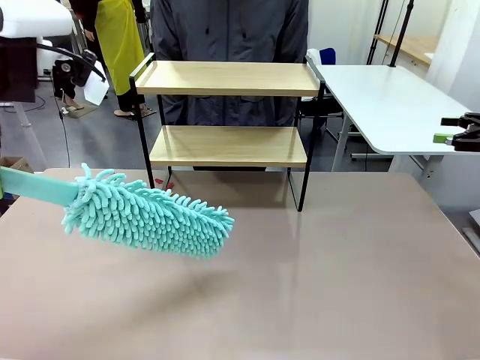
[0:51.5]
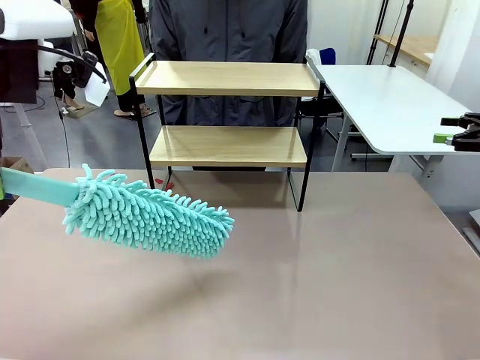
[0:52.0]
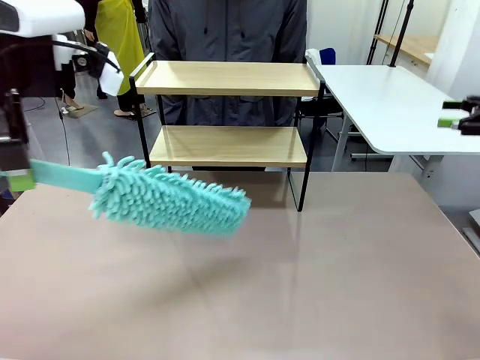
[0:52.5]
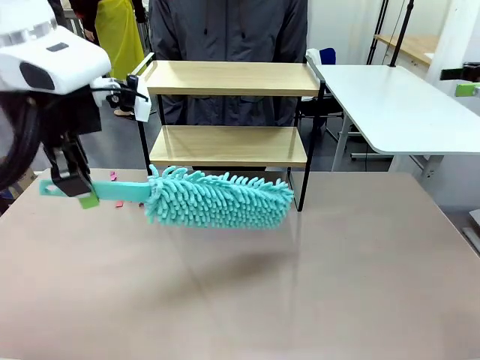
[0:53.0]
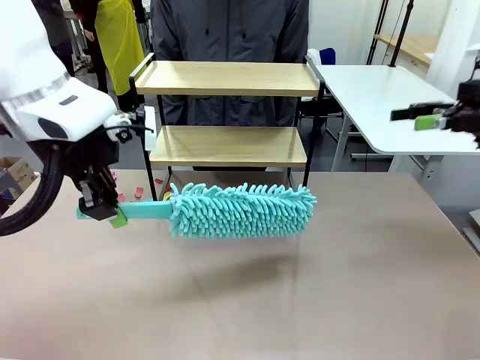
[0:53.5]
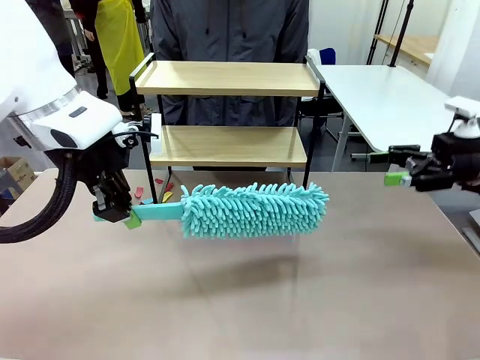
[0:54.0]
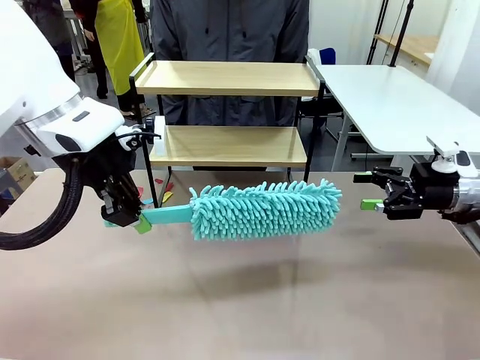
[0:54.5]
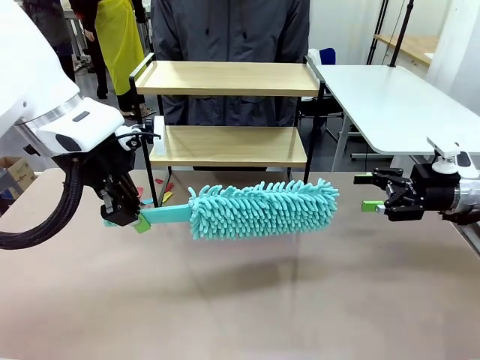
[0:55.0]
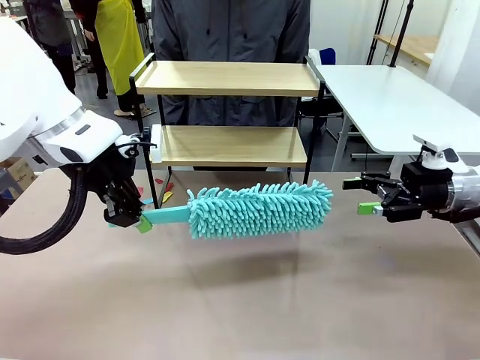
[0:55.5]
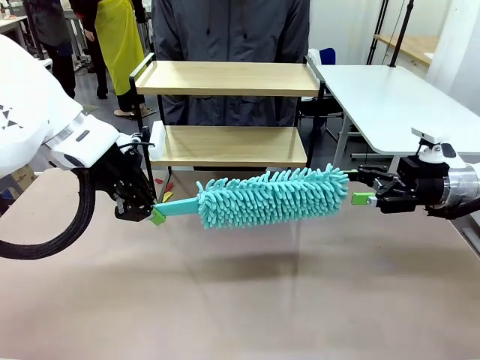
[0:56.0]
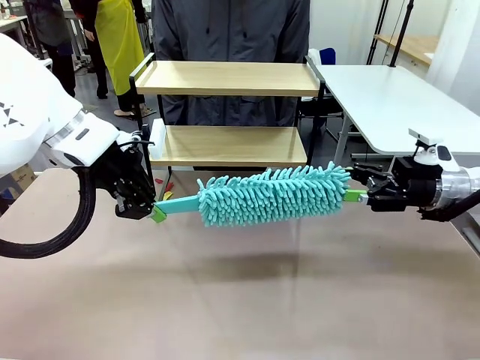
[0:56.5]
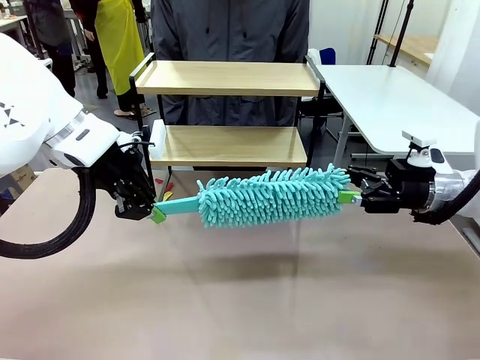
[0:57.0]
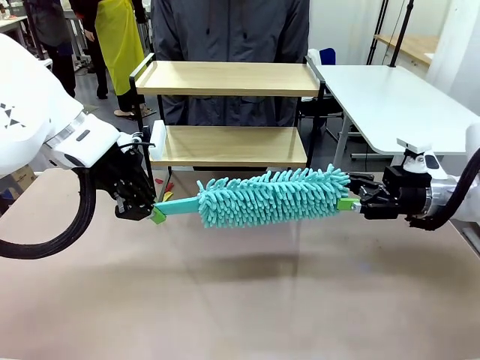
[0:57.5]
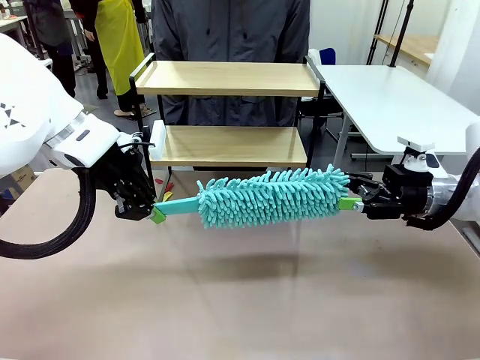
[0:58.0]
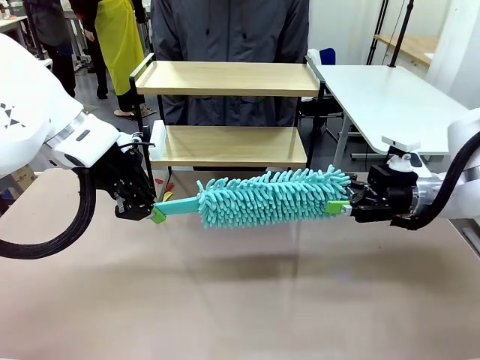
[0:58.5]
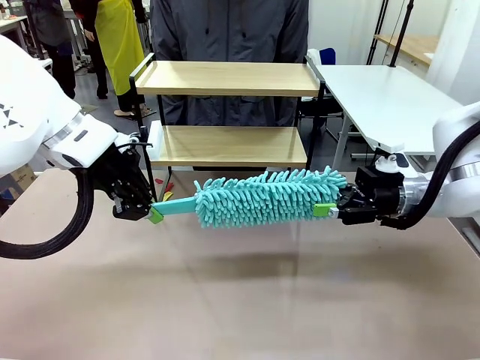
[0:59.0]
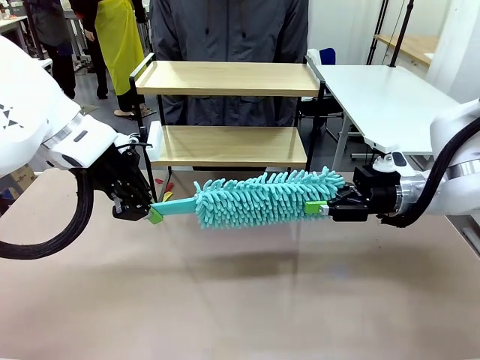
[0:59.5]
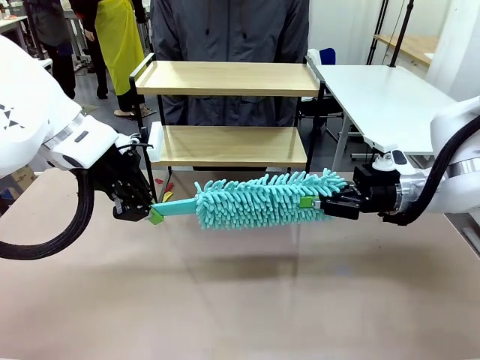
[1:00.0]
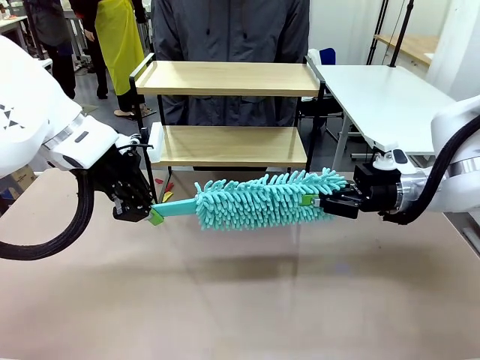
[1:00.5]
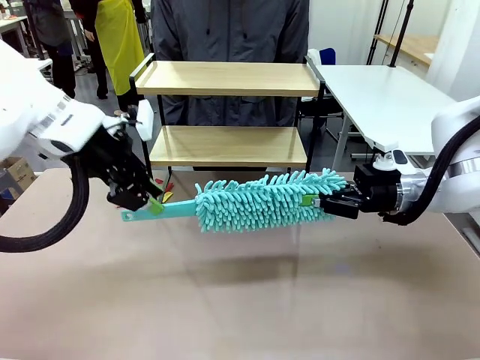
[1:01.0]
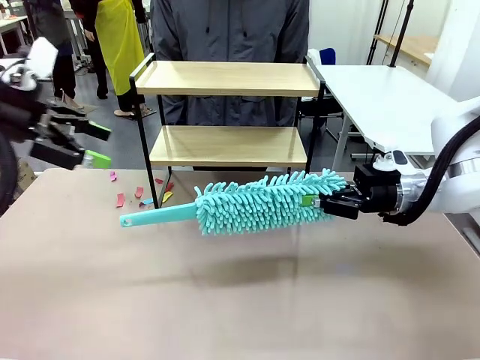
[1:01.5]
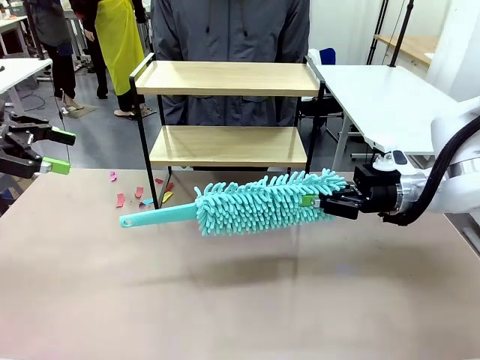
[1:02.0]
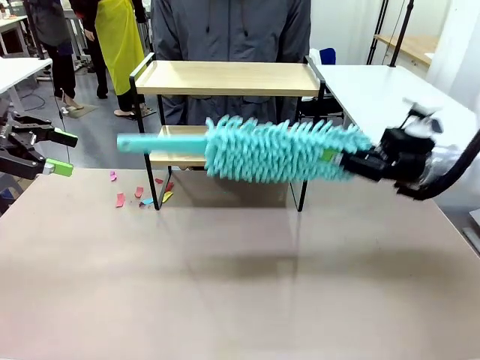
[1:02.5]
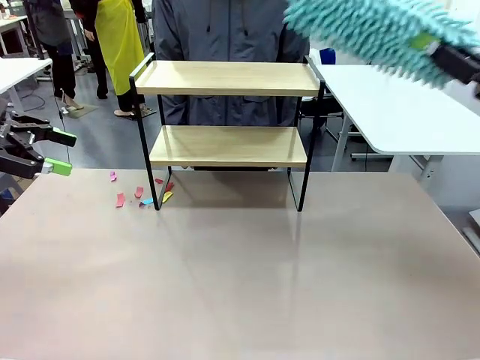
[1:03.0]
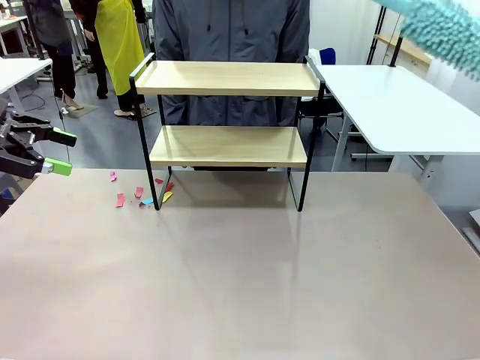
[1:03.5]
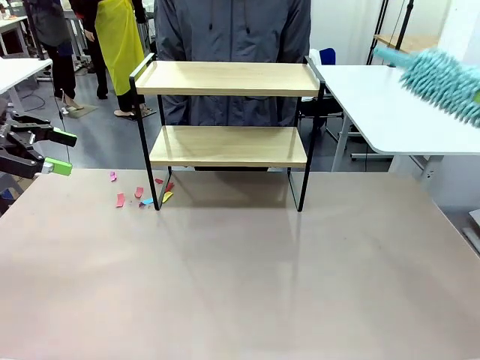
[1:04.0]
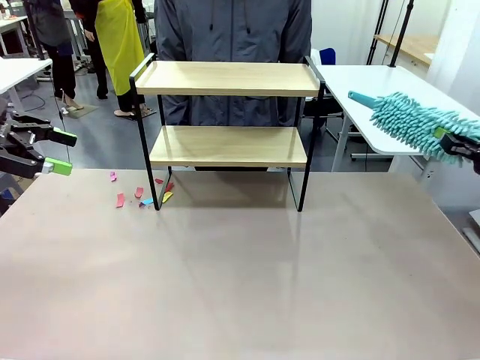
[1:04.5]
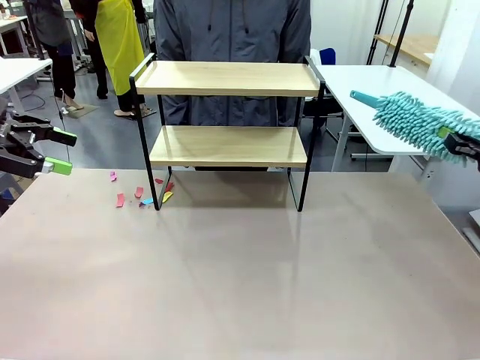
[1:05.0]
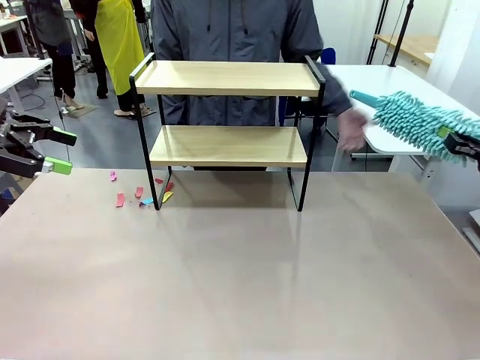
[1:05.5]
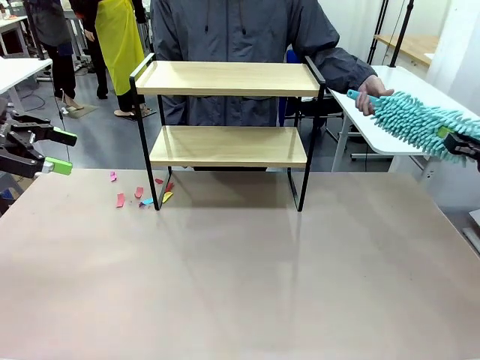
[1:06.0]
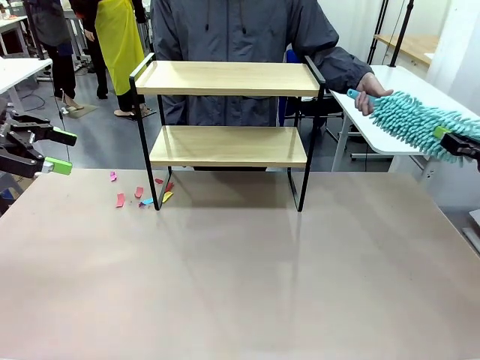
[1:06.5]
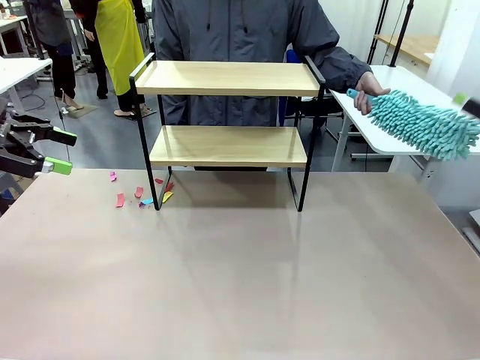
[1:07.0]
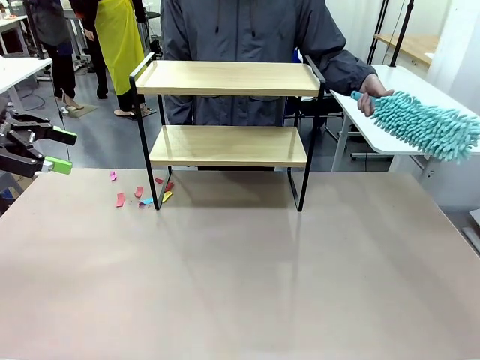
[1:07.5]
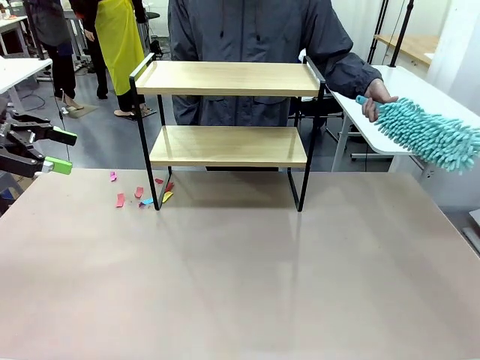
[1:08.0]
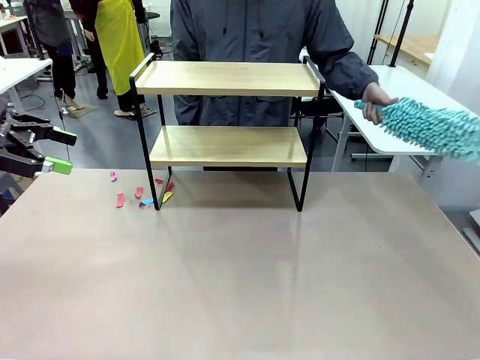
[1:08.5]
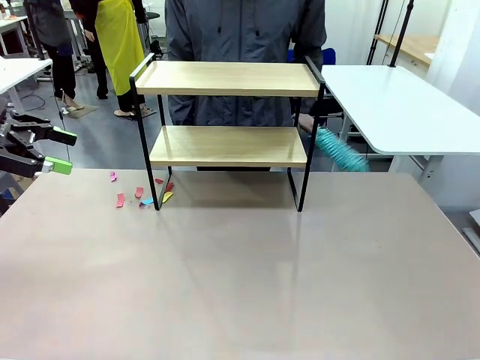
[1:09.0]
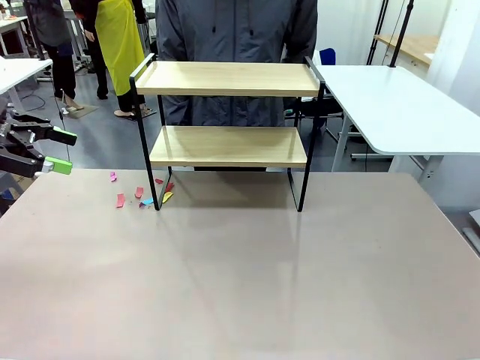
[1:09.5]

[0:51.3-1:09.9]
Task: Clean the shelf.
Robot: Hand the Duster back to the human.
Person: Receive the Duster from the robot.

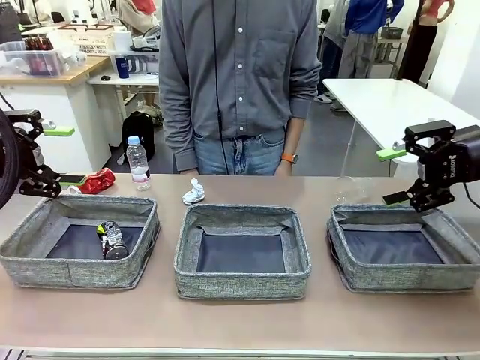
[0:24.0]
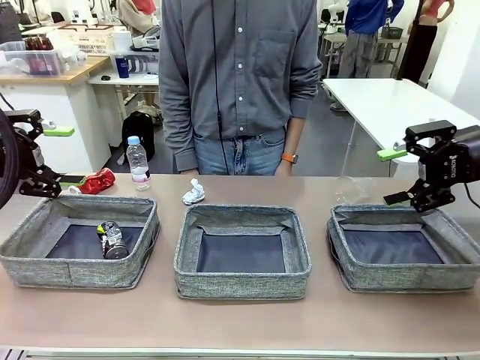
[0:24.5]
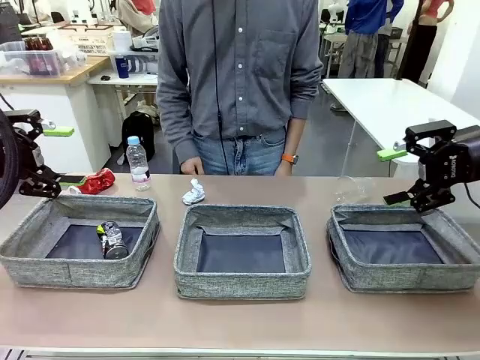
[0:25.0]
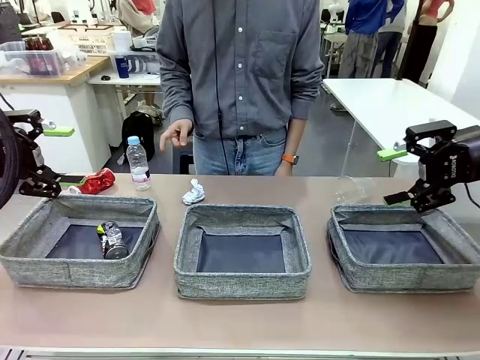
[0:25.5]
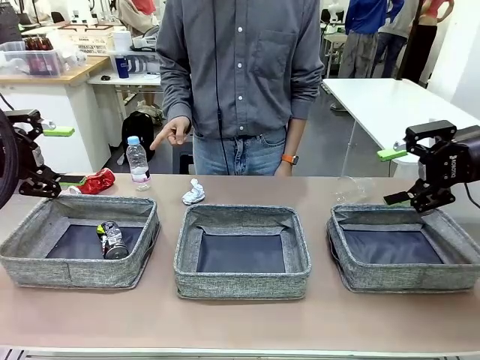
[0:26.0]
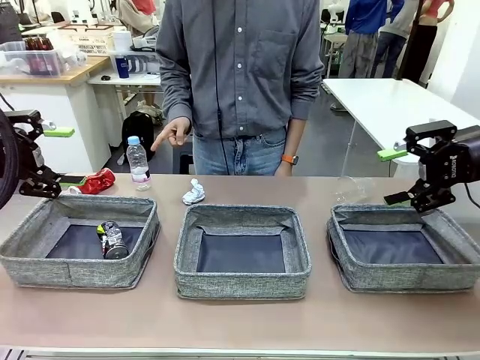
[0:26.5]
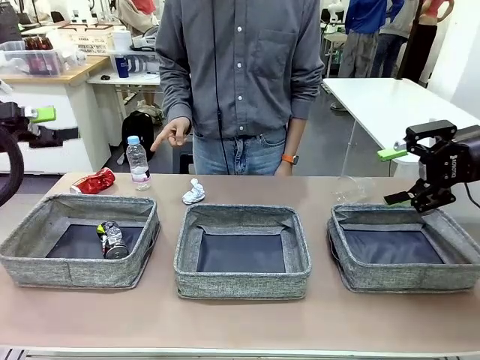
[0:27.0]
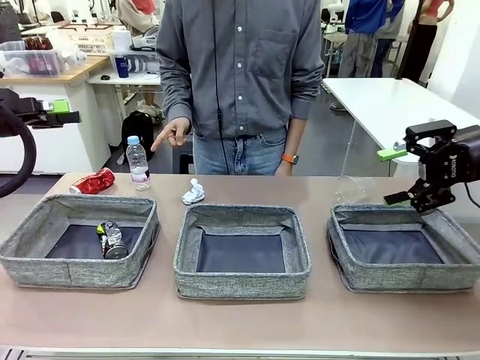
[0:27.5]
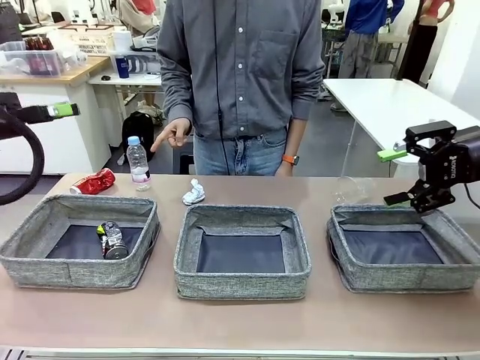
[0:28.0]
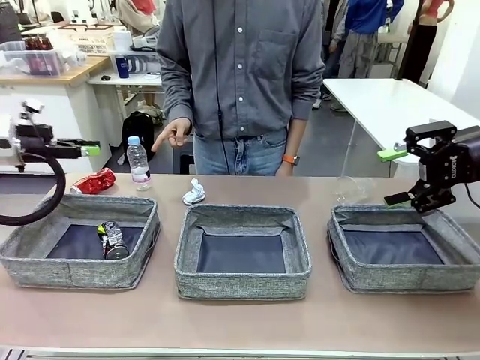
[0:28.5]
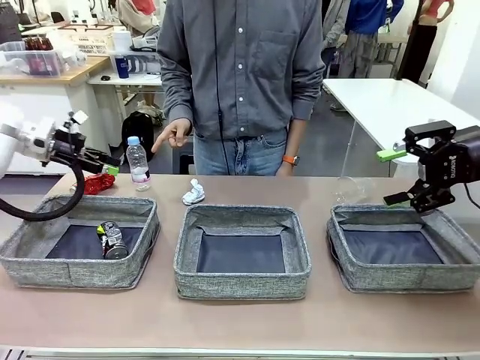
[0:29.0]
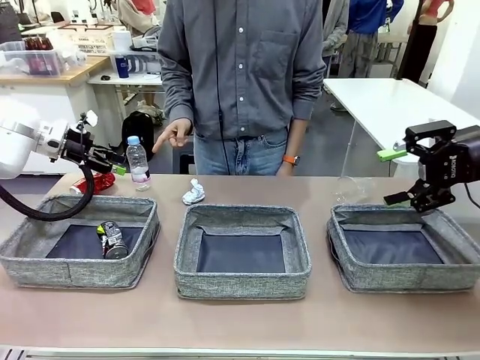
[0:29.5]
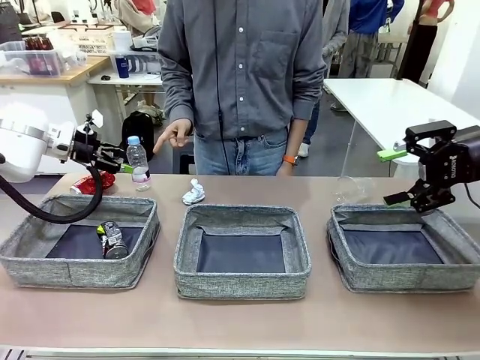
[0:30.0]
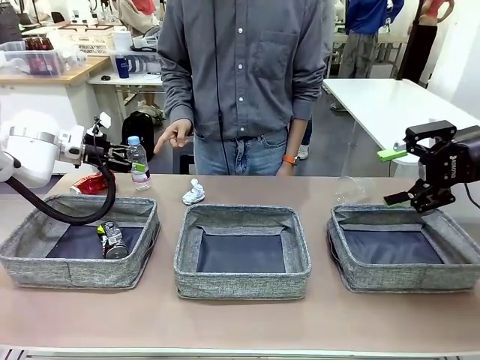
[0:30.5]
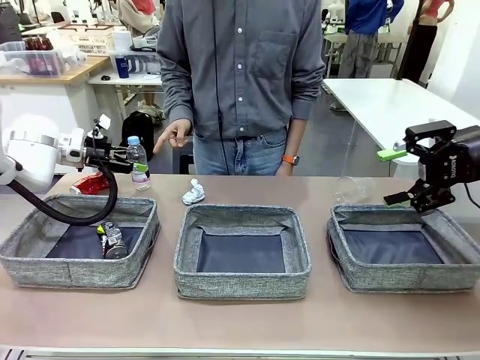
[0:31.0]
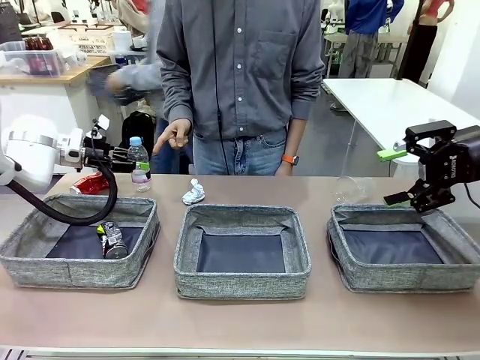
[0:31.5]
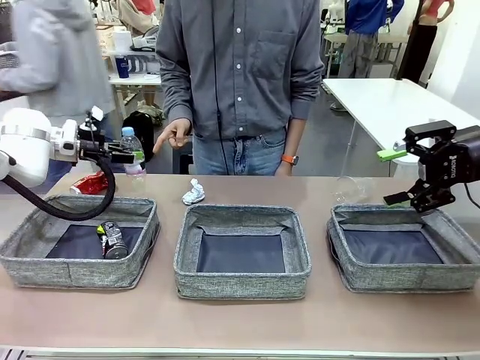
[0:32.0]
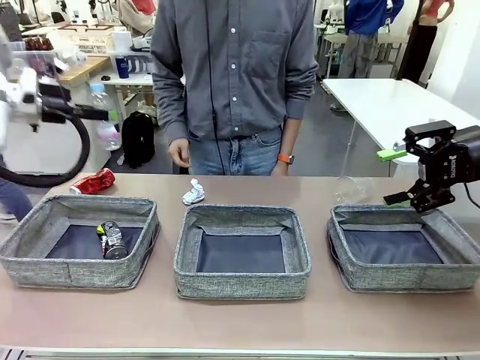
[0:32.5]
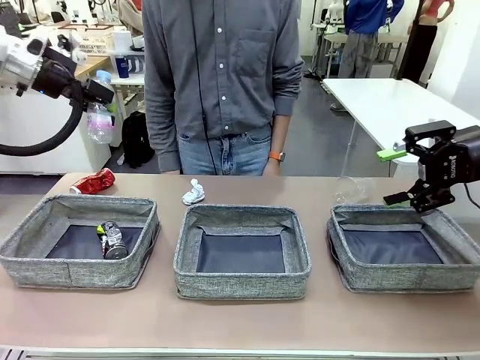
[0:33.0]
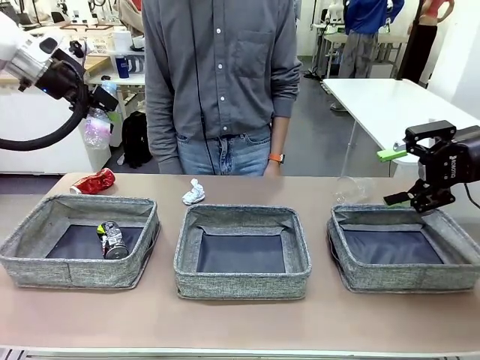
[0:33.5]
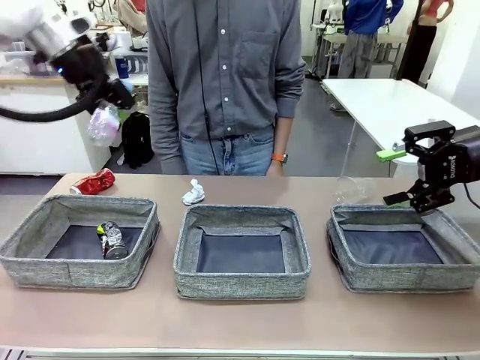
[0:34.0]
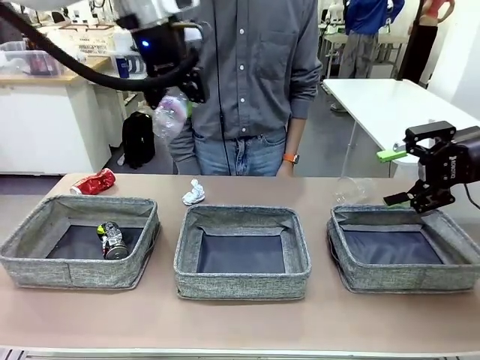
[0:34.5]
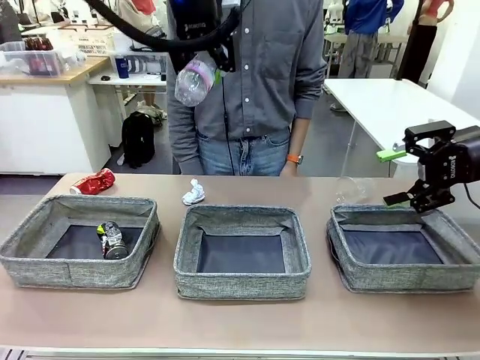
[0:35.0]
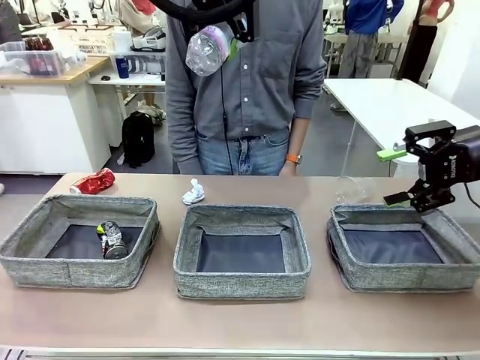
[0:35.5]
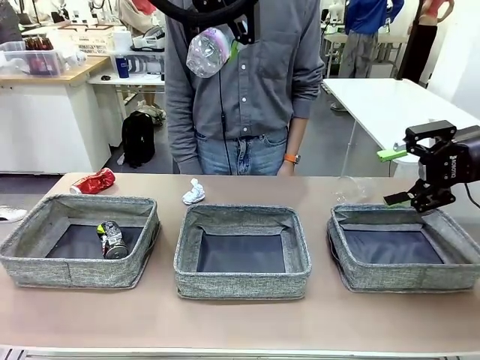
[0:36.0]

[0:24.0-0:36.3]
Task: Sort the waste into the appropriate baskets.
Robot: Pick up the waste item pointed out by the person.
Person: Points to one piece of trash on the table.
